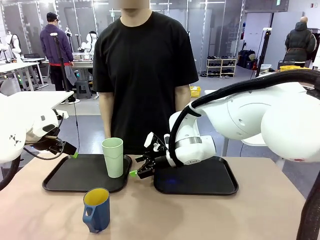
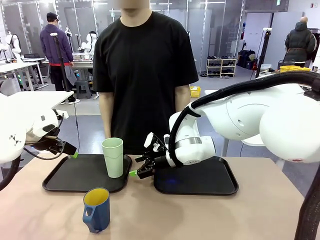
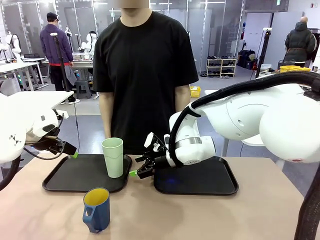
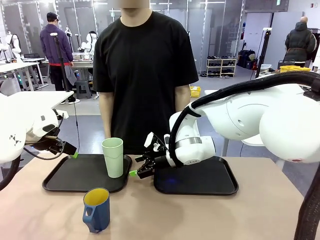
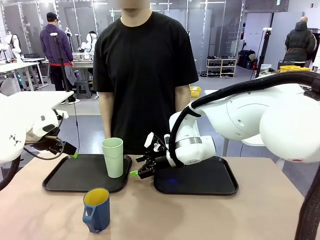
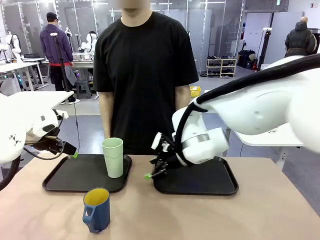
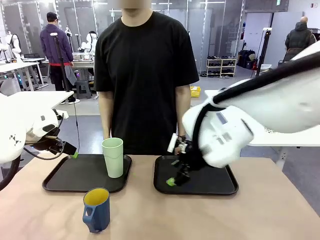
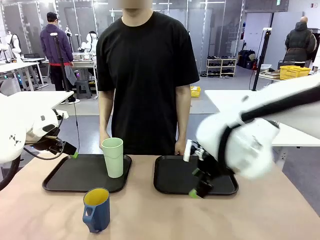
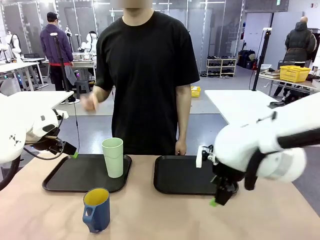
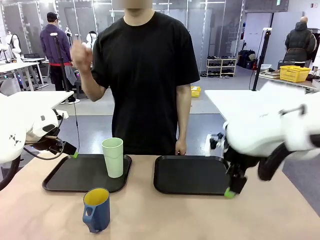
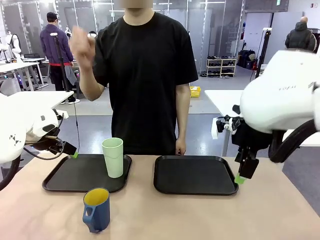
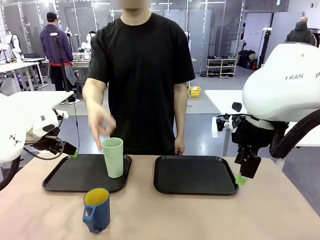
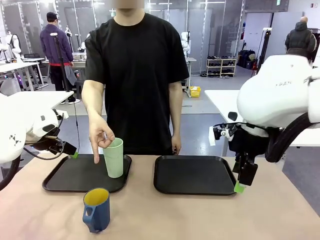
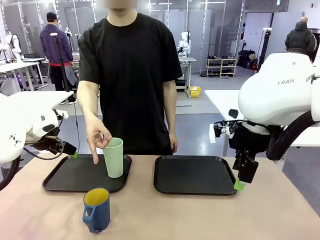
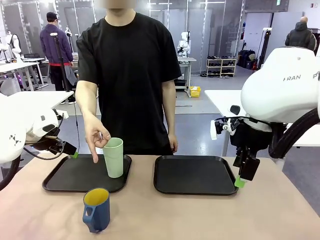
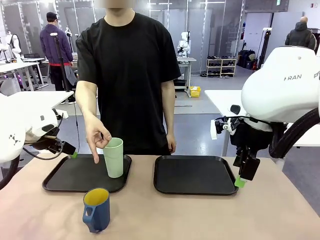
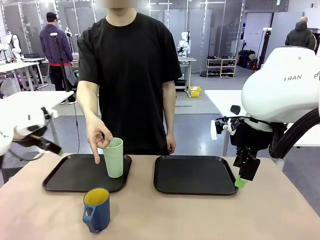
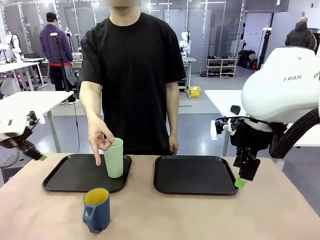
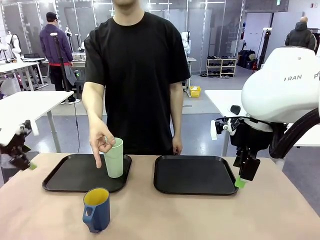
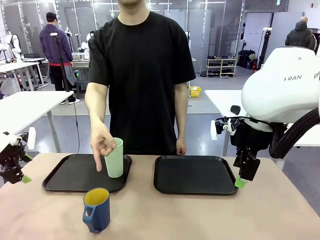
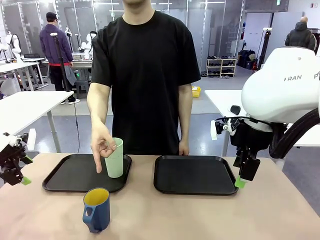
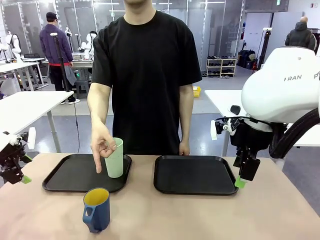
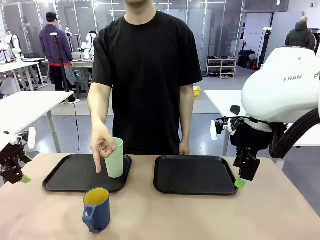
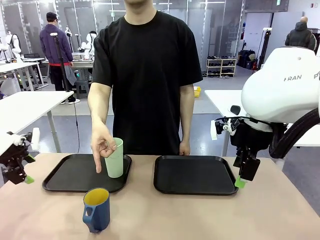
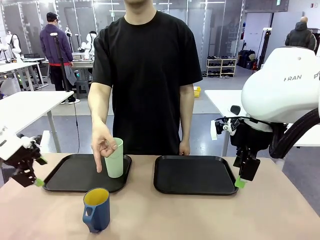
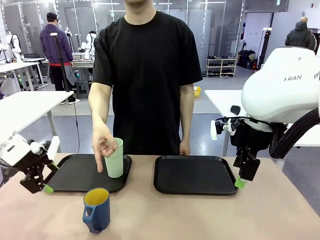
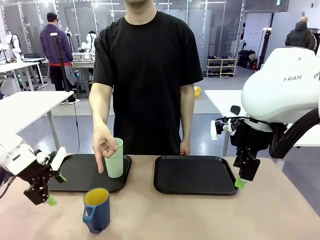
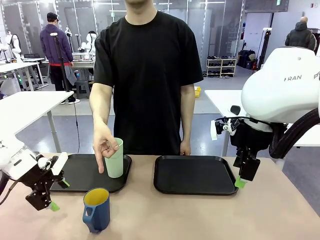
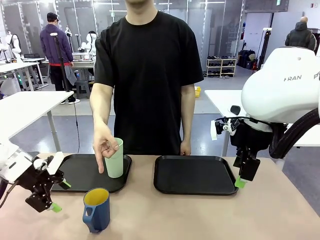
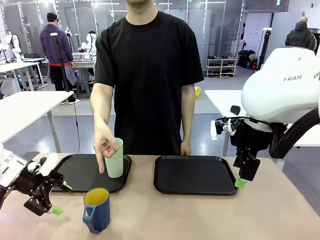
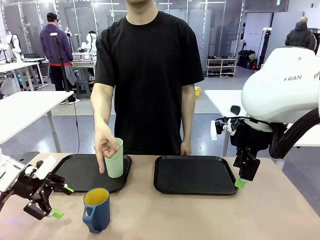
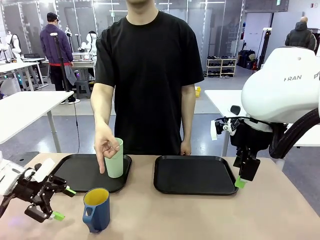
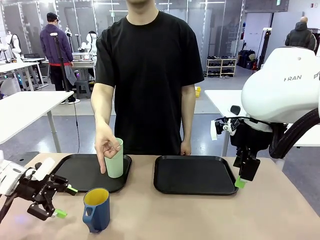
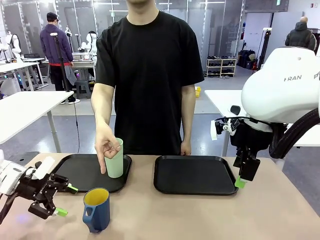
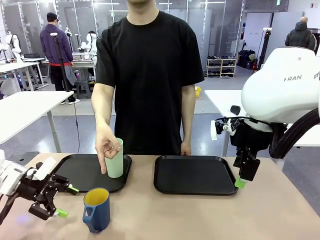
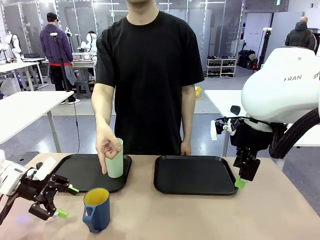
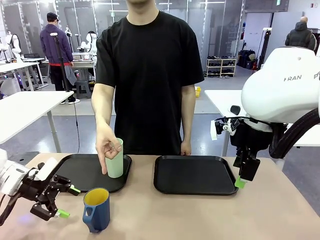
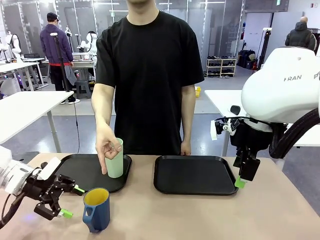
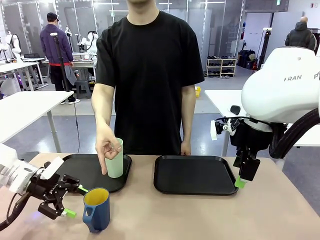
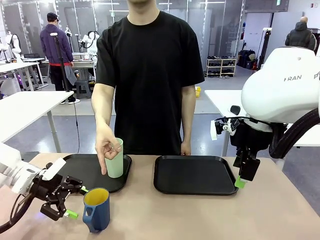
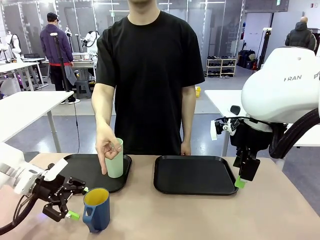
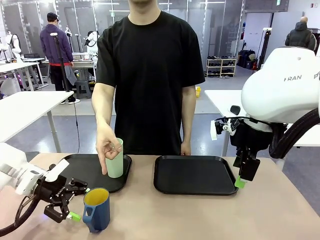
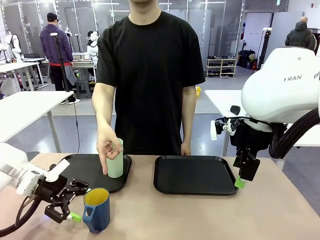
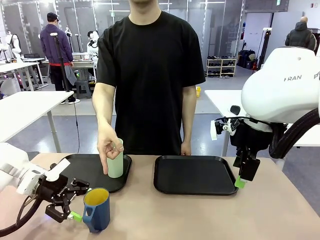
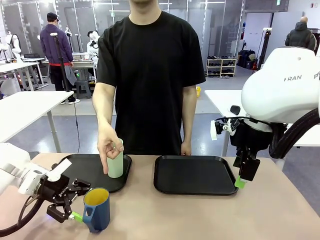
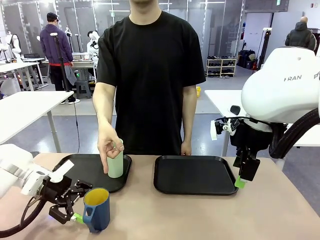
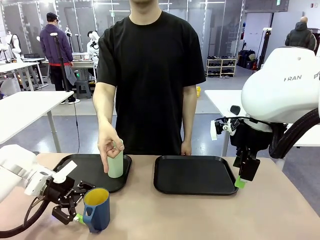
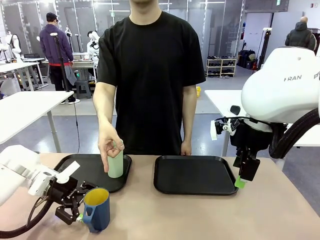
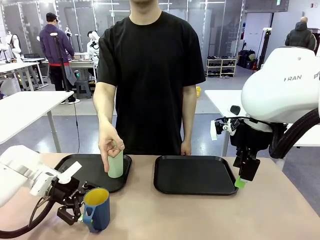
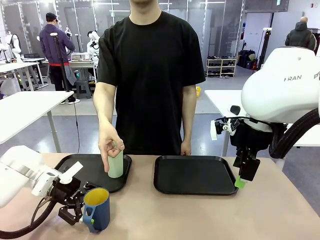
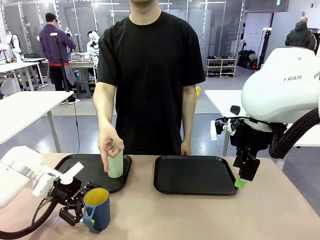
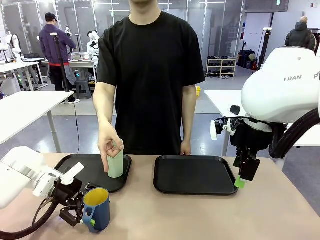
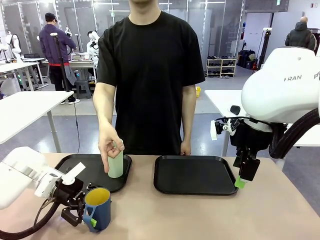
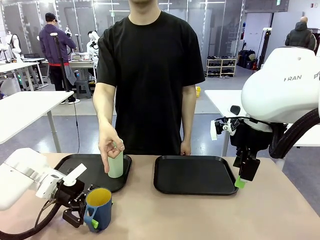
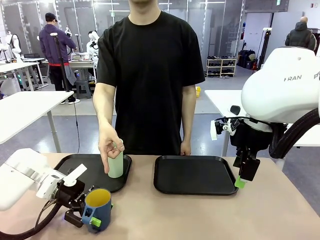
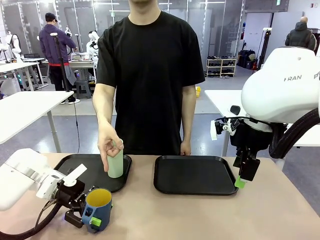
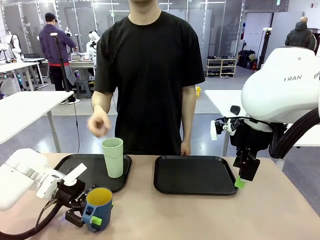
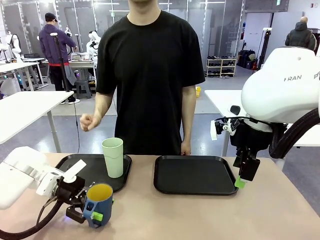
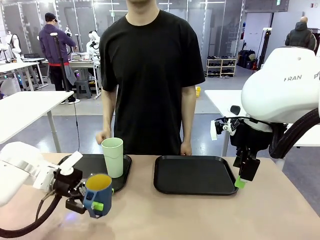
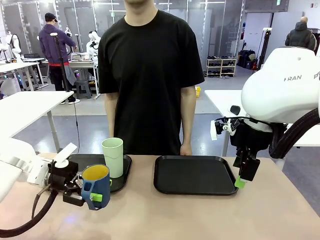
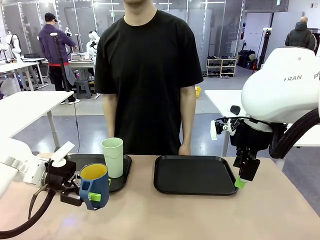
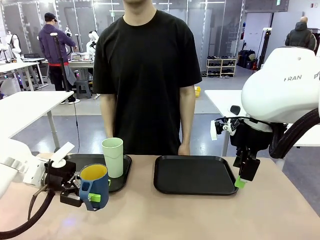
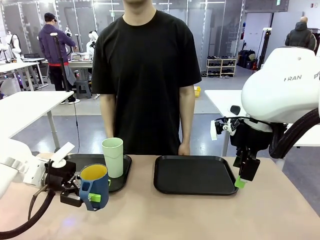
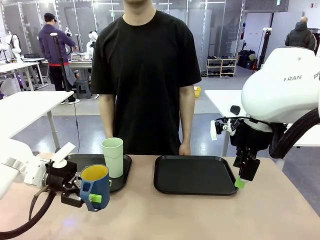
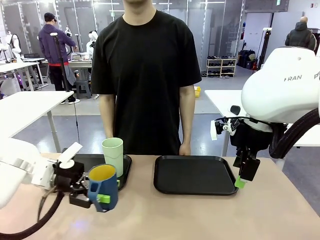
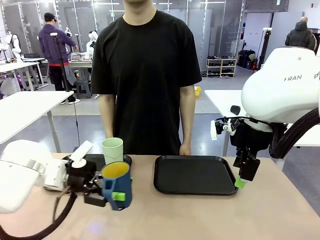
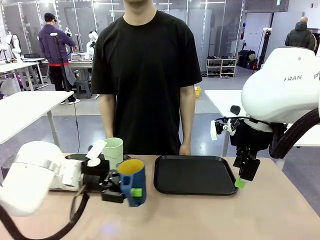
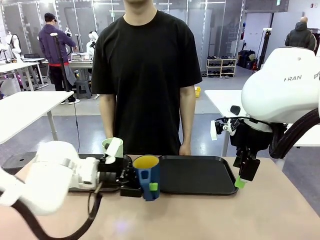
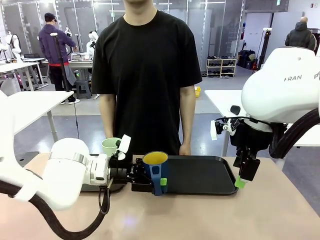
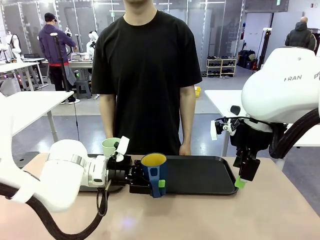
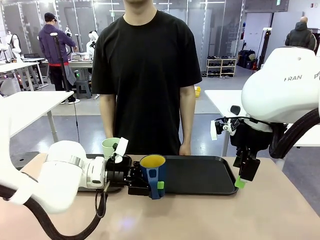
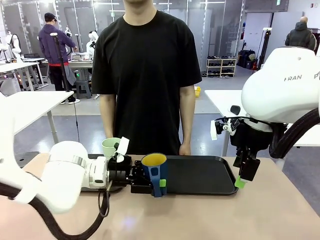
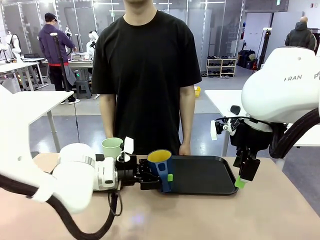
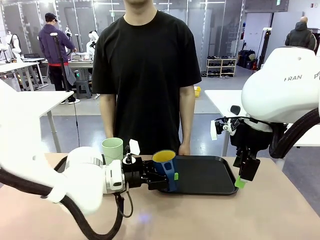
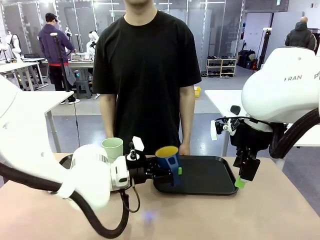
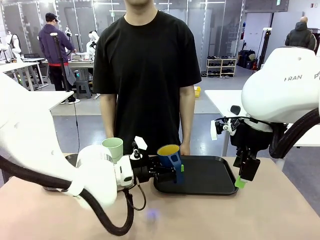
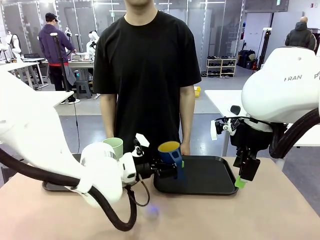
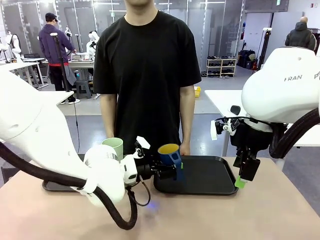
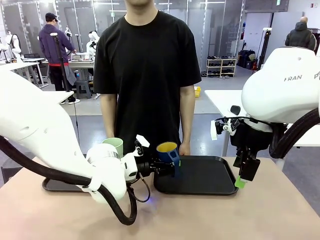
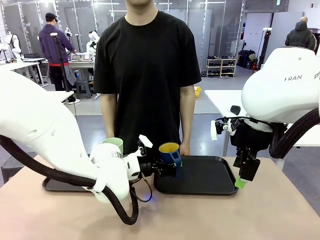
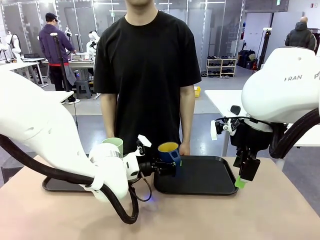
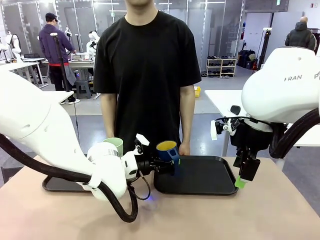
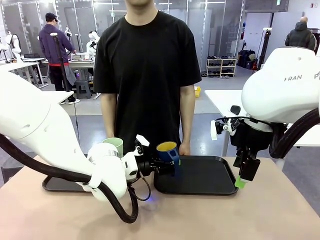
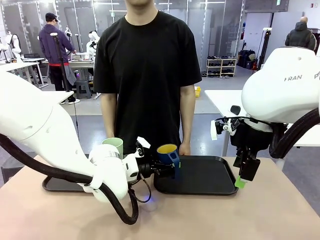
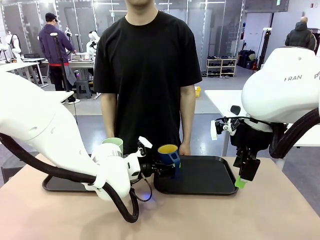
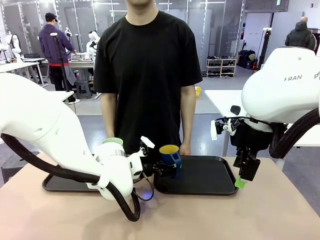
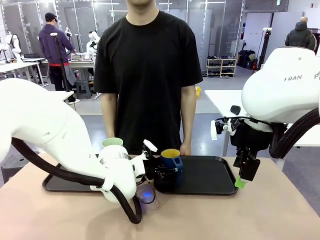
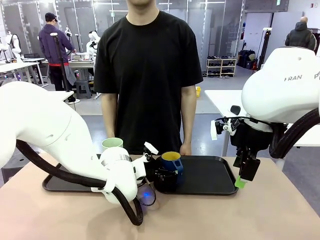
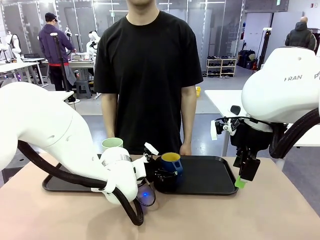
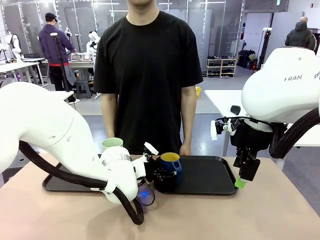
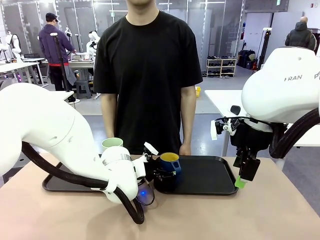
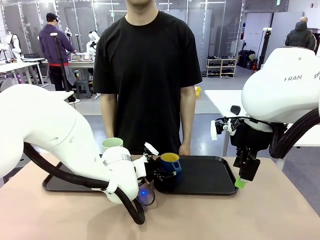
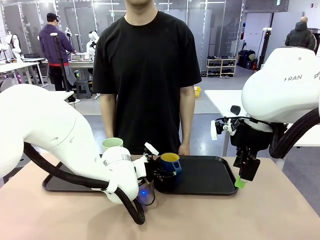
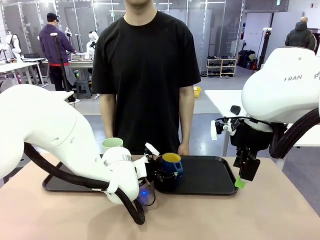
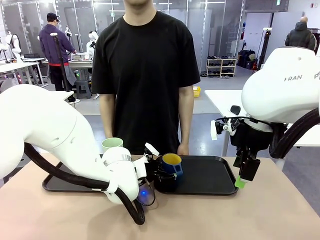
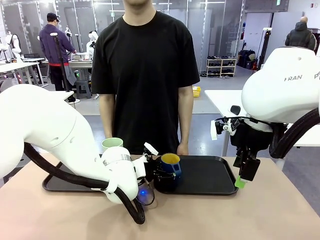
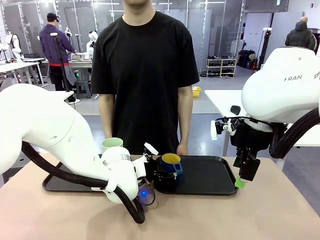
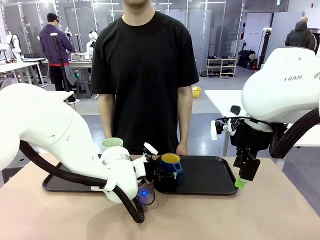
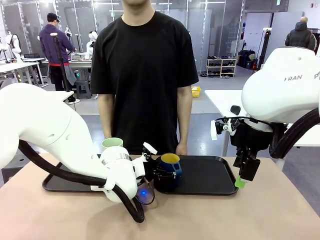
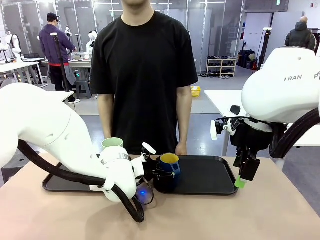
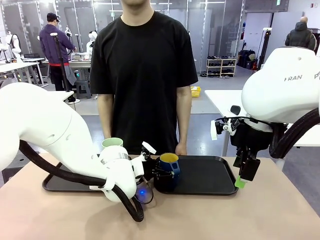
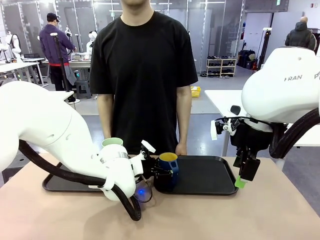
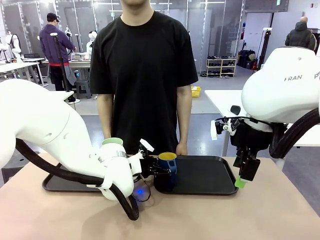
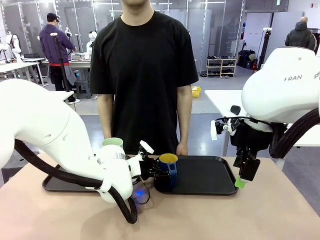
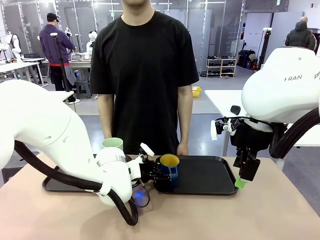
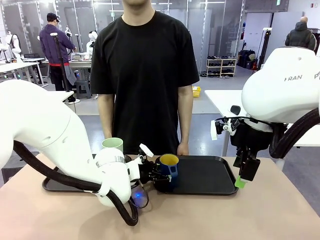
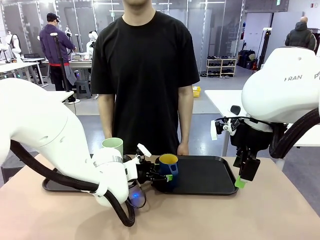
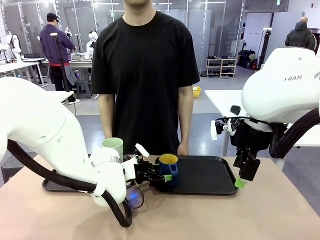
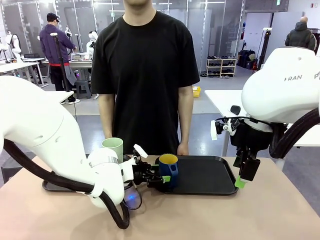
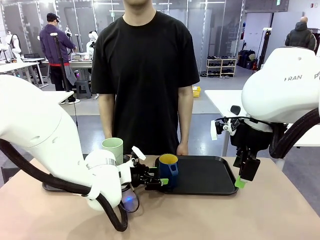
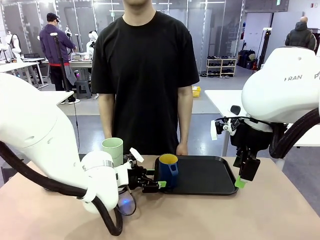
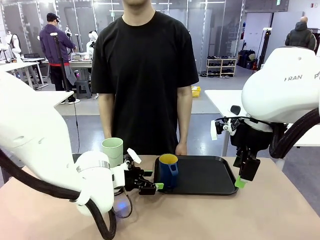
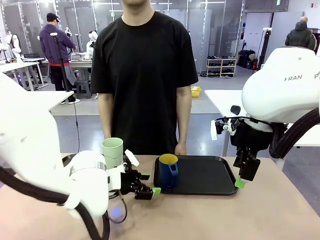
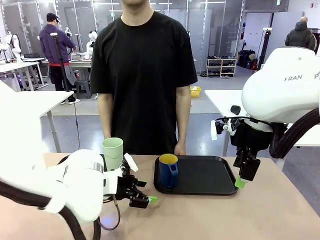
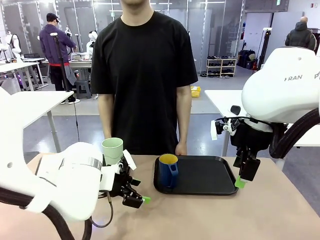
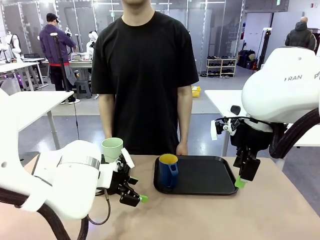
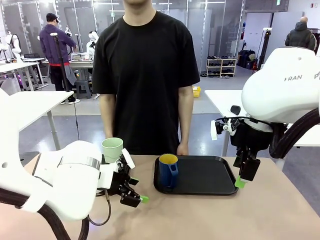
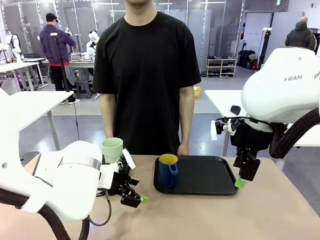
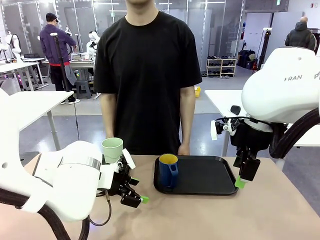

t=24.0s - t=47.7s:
Task: Sort and store the cups by type.
Robot: Pick up the Handle plastic cup and place it into the empty Flat Tray.
Person: Points to the cup with a handle.
